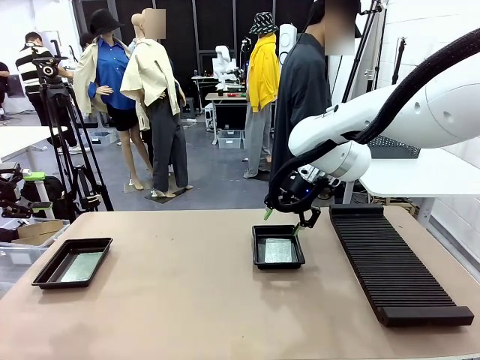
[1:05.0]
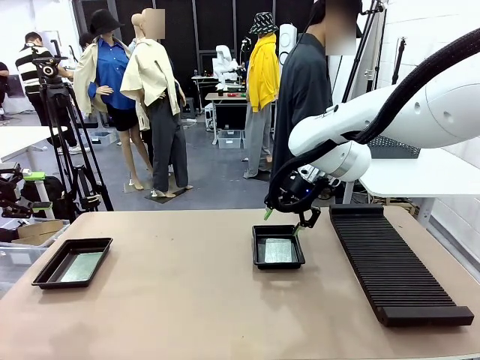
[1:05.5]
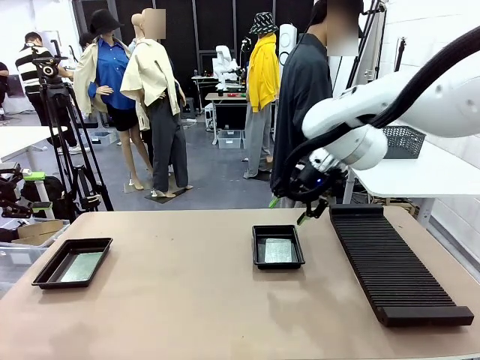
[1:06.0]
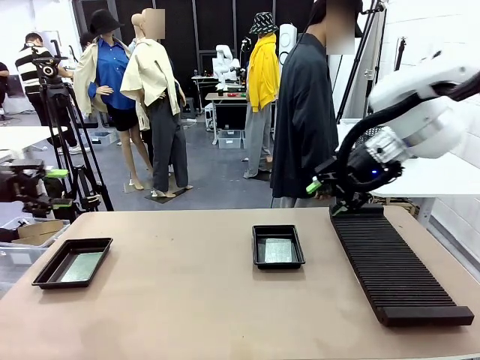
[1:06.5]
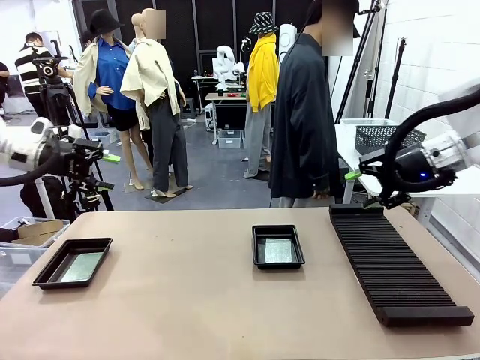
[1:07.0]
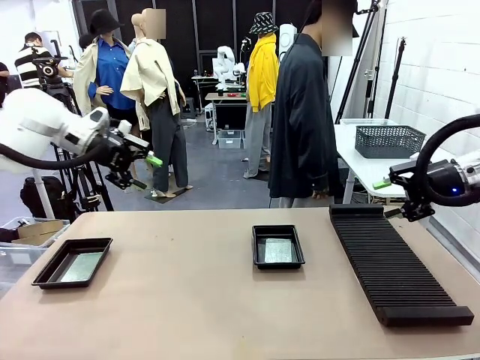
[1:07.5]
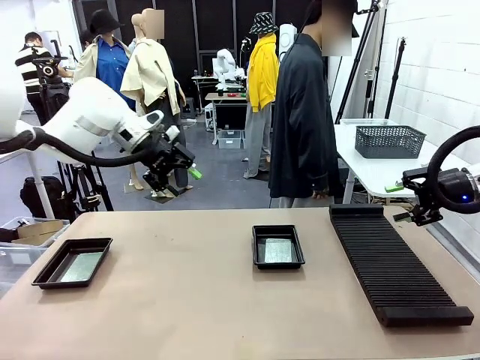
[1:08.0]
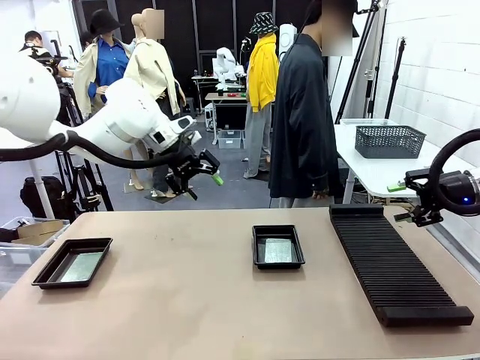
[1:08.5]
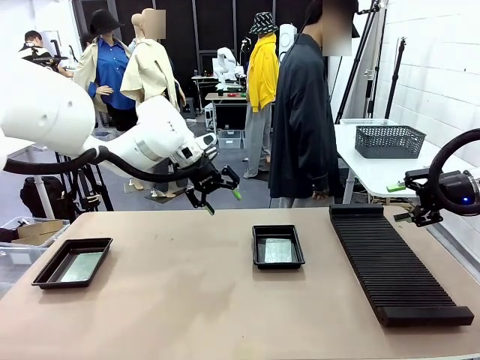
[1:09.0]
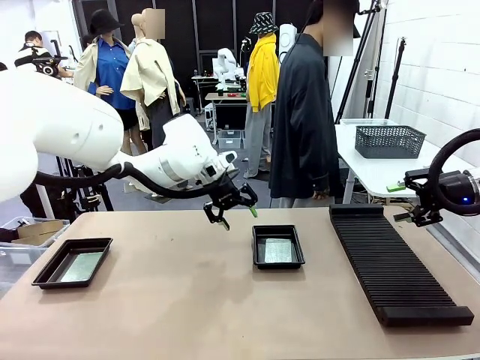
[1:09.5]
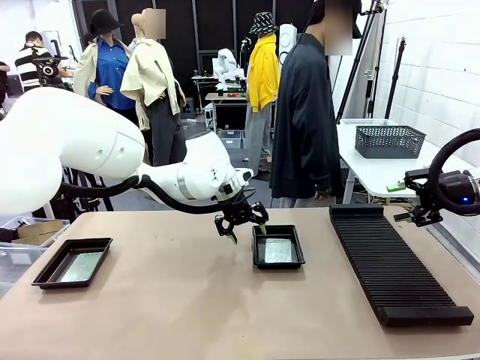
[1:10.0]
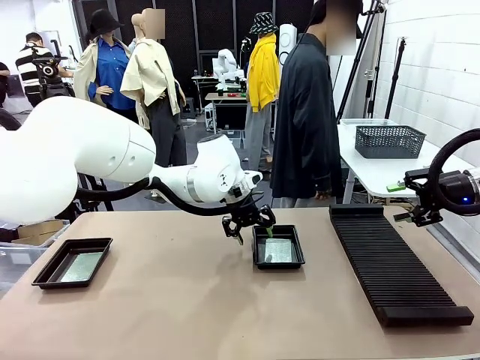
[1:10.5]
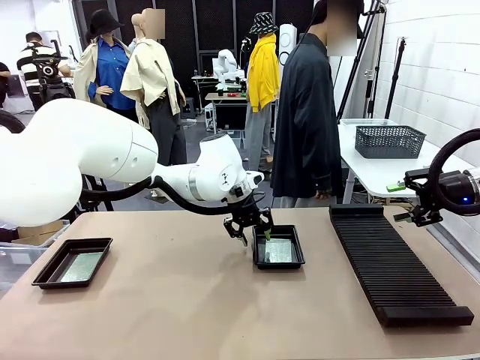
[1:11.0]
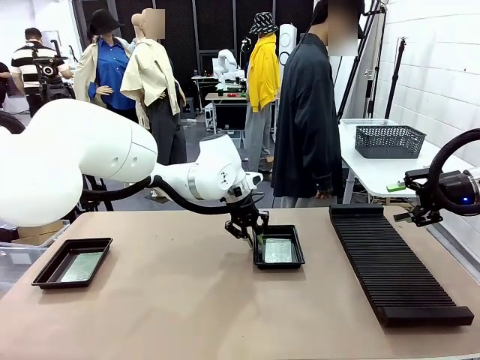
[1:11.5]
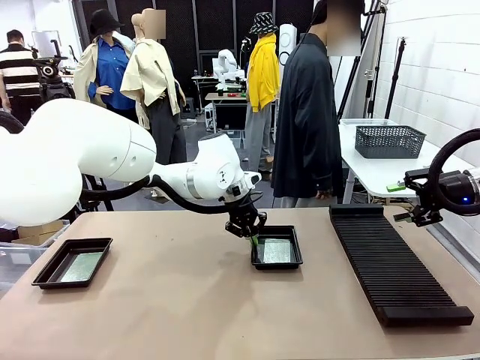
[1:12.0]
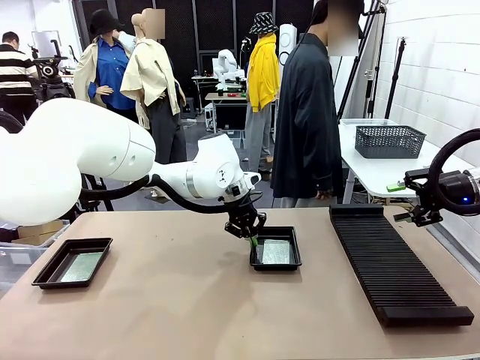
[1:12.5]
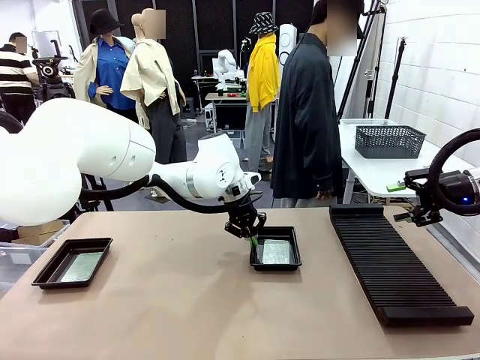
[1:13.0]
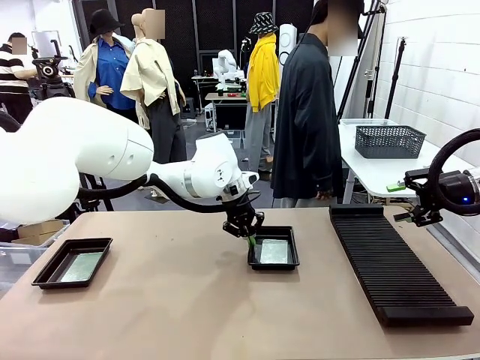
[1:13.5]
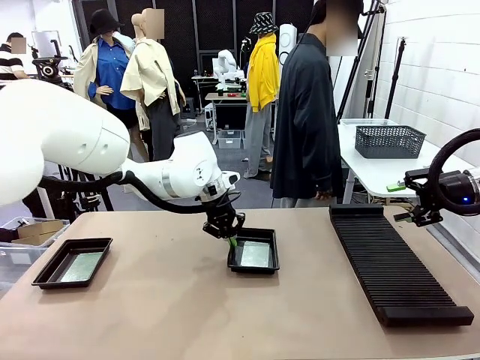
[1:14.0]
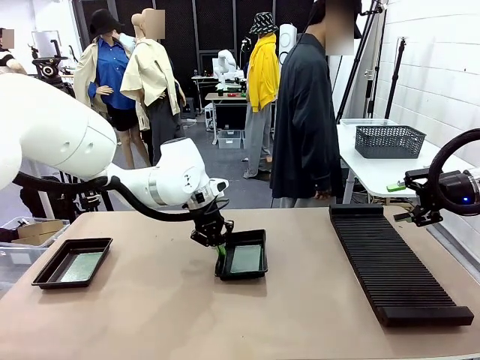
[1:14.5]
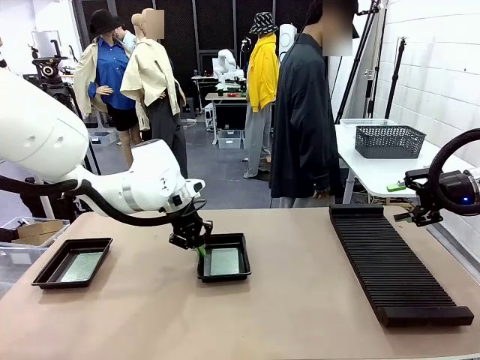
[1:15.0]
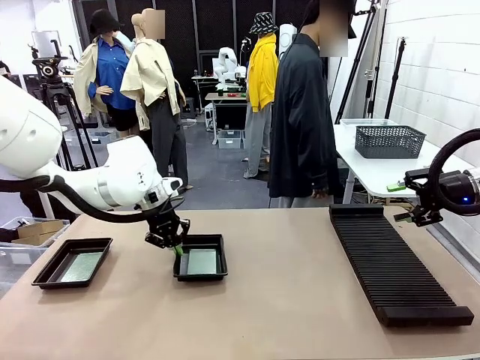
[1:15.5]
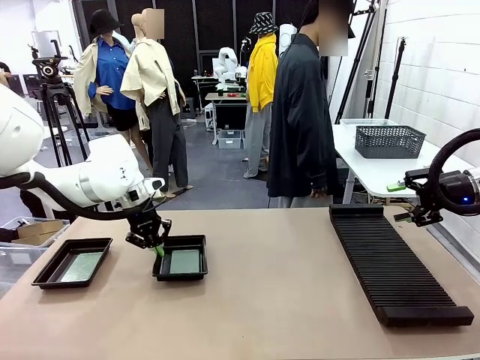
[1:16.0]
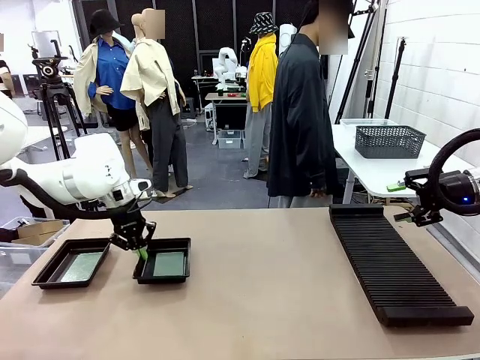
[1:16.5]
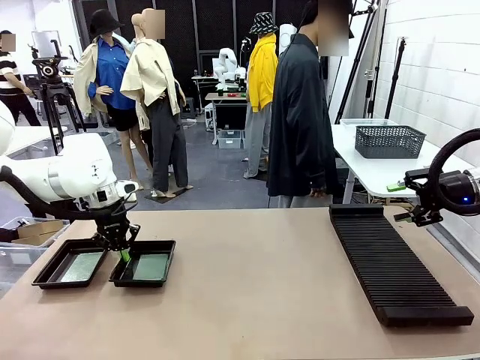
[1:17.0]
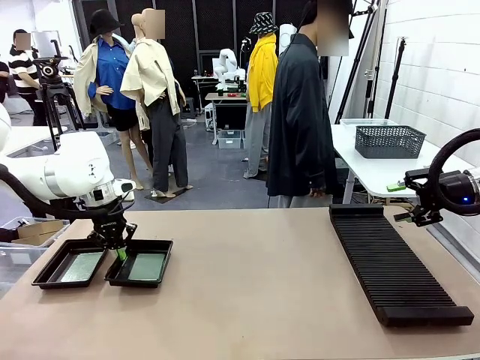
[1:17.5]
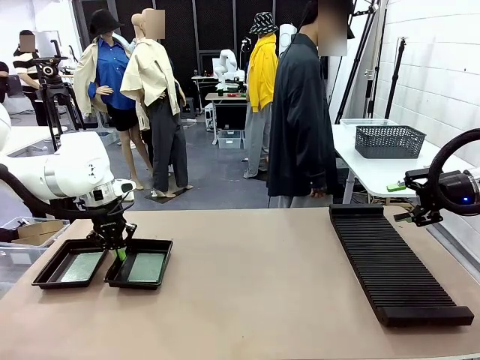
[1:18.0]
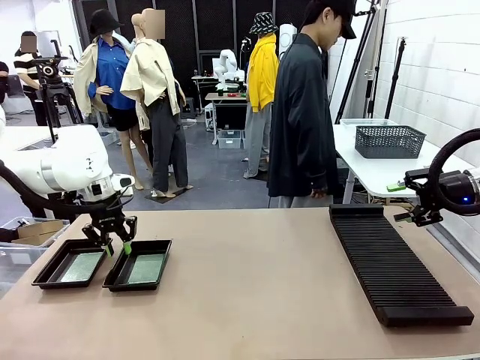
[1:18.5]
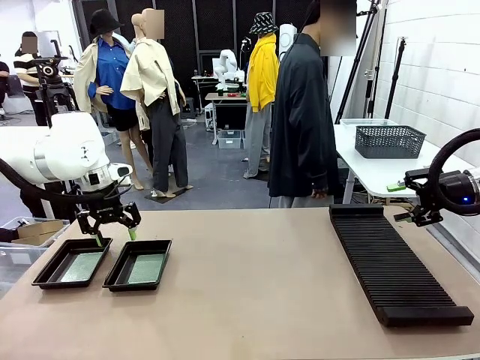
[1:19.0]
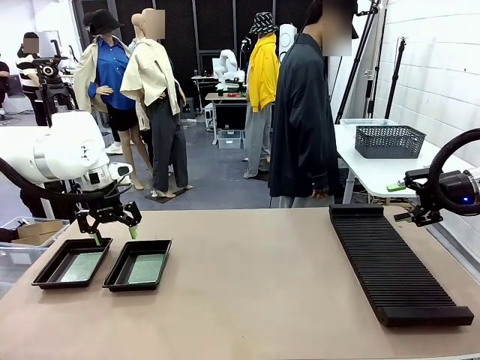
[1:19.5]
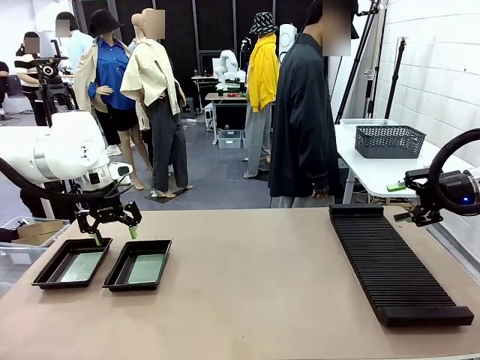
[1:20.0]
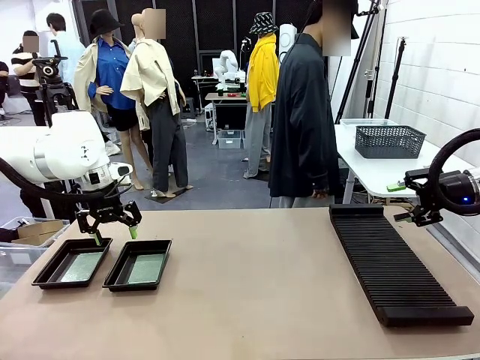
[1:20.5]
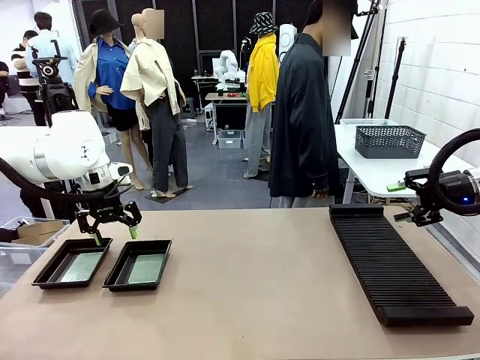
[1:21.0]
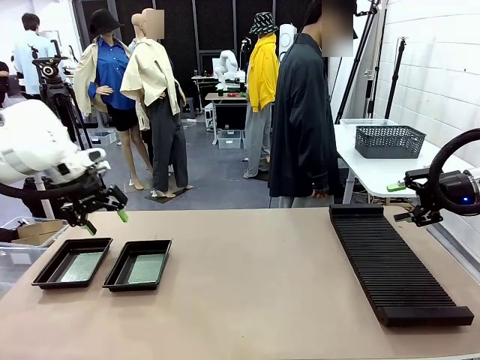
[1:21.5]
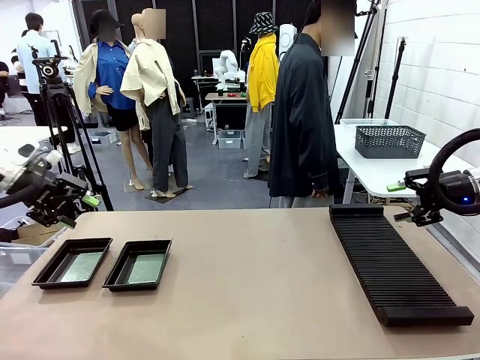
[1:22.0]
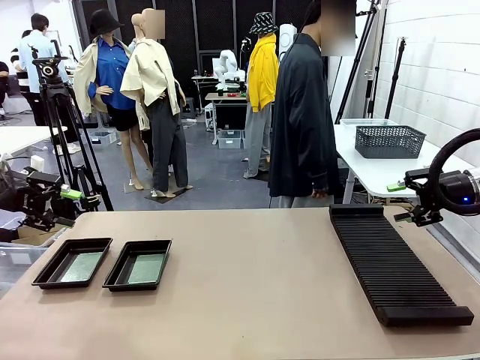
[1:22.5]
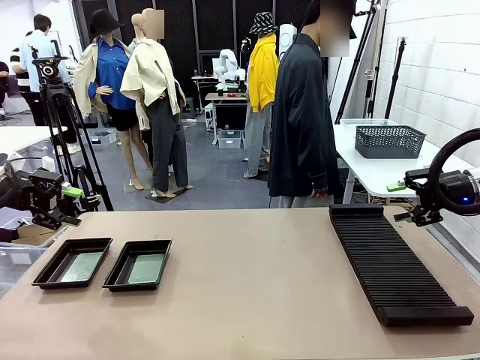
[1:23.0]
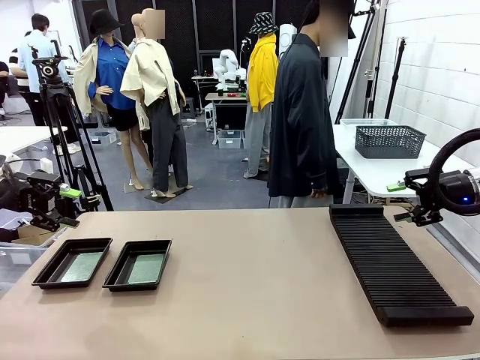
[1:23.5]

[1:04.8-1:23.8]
Task: Inspect and transfer BCBs to ESD trays.
Robot: Pick up the ESD tray and place it on the left side of the table.

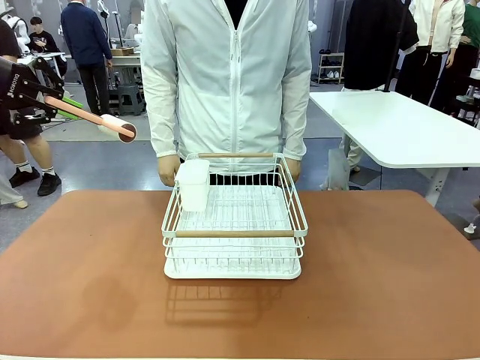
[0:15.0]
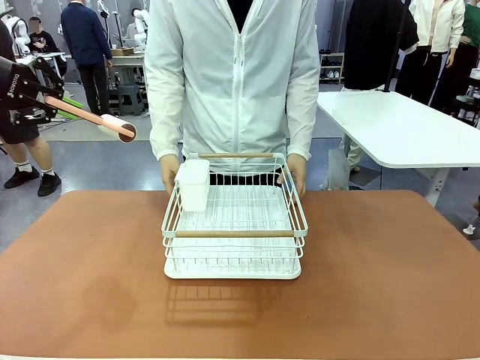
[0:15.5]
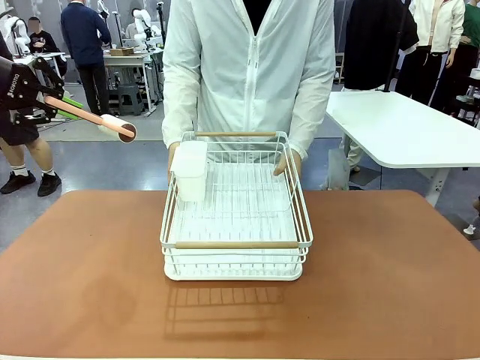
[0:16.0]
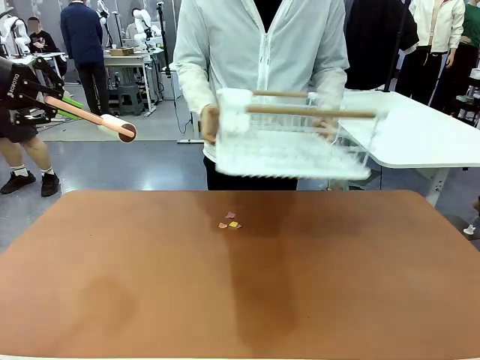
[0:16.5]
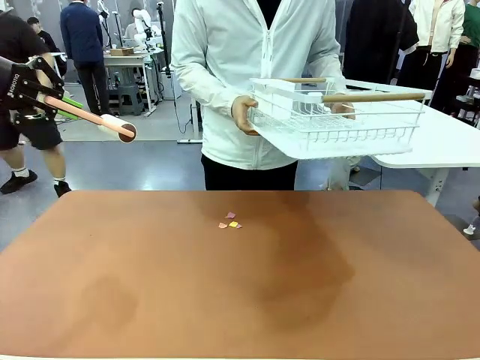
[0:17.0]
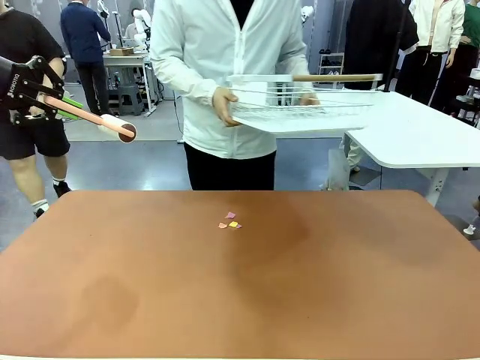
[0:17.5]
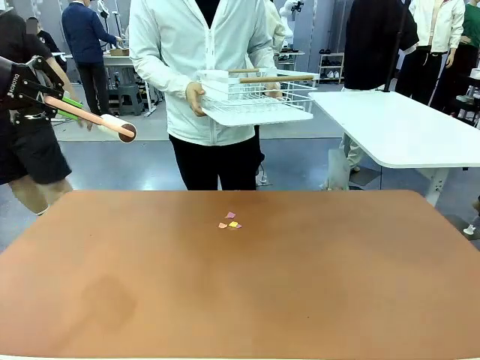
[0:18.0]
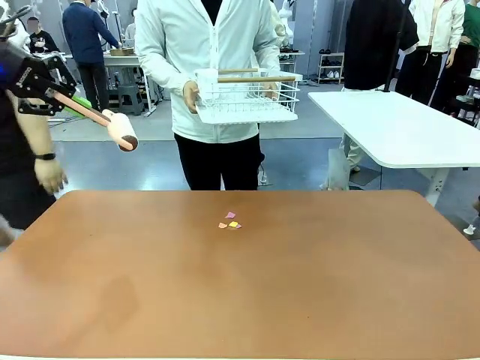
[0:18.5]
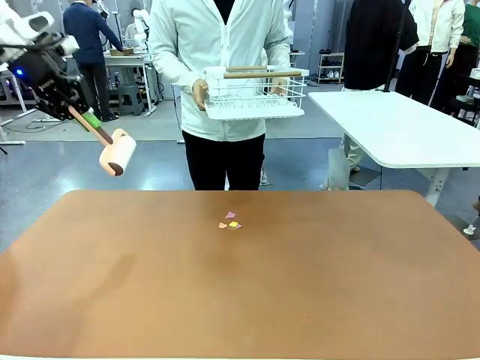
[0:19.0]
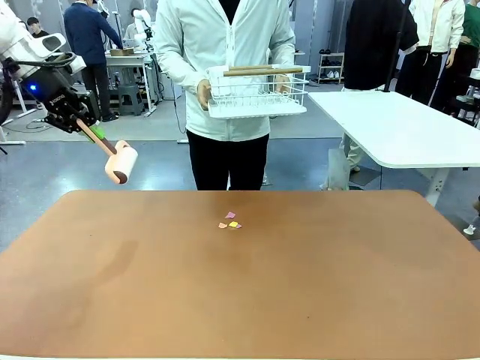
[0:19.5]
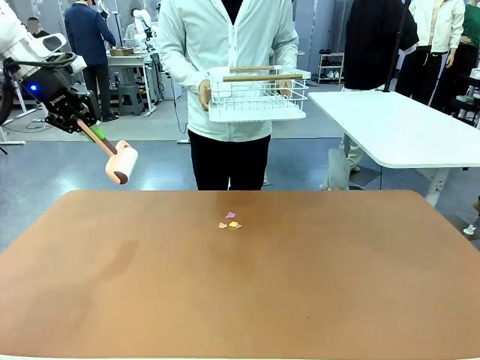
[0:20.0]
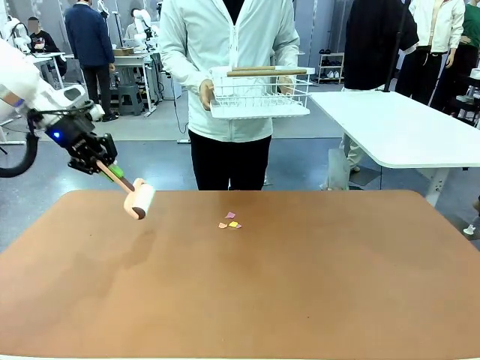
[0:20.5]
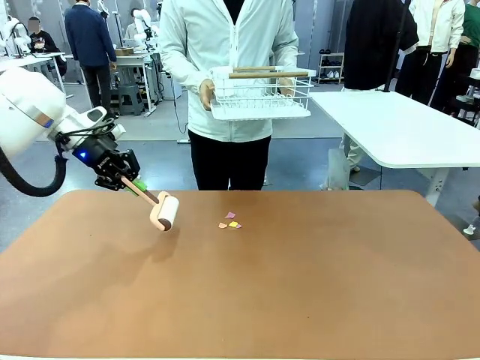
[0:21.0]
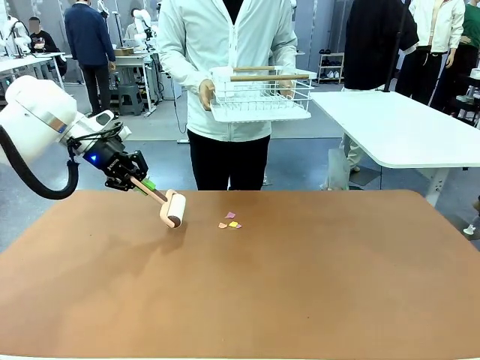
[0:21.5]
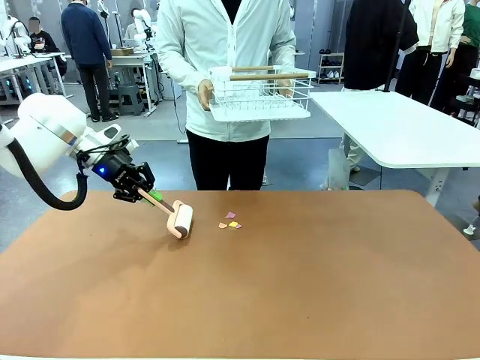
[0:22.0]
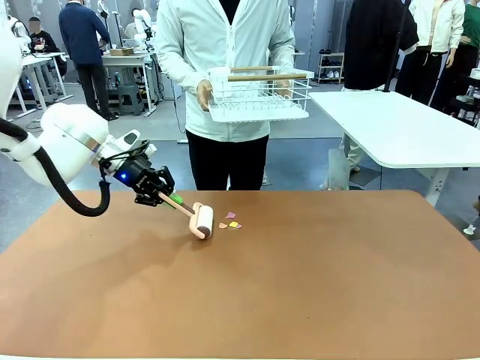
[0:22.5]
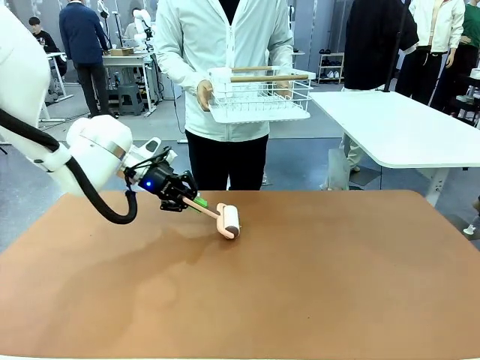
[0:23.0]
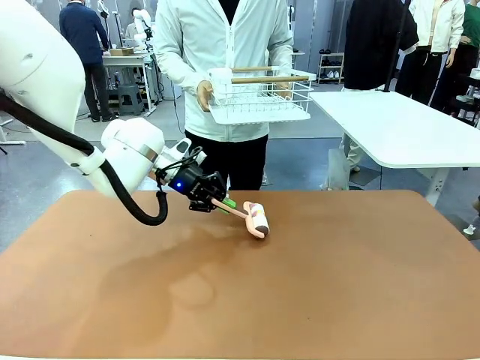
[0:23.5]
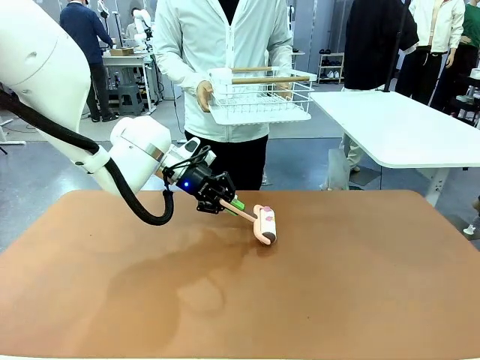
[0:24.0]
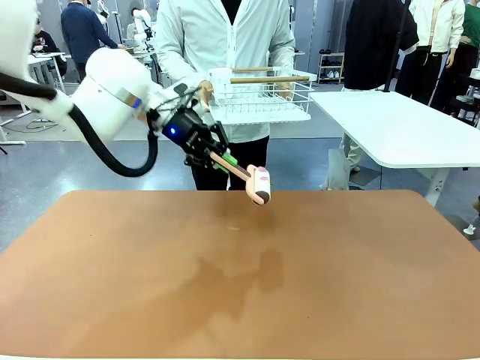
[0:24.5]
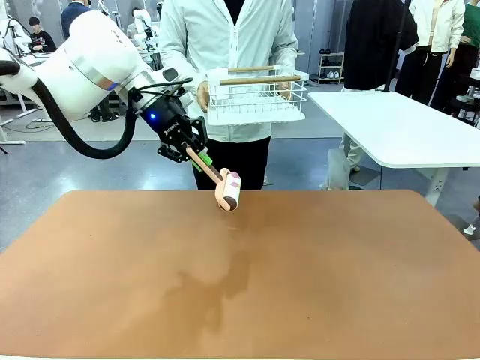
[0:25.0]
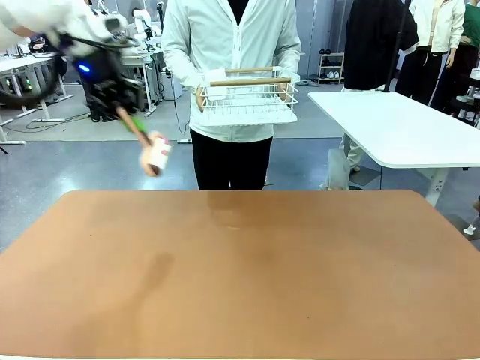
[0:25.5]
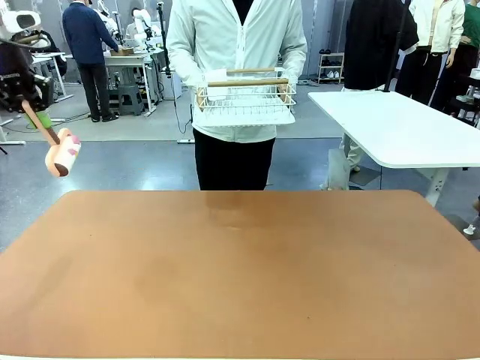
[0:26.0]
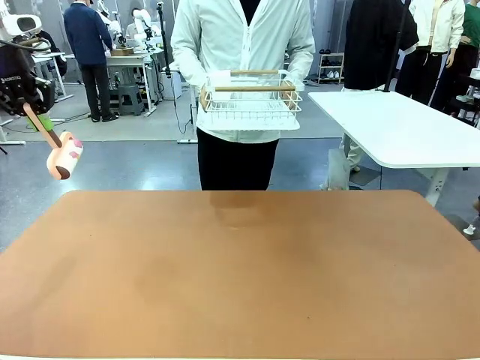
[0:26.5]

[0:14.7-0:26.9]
Task: Clean the table.
Robot: Clean the table with the Lint Roller when the human lifts the Dish drying rack.
Person: Place the Dish drying rack down when the robot finishes cleaning.
